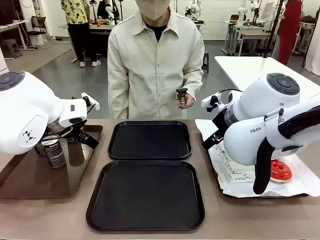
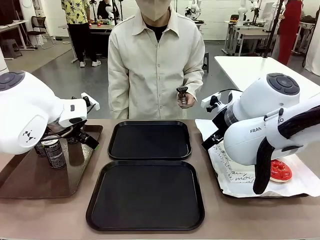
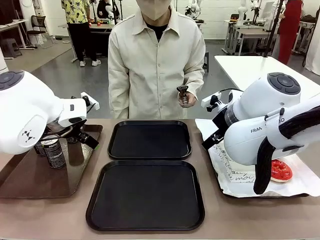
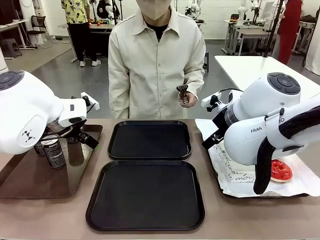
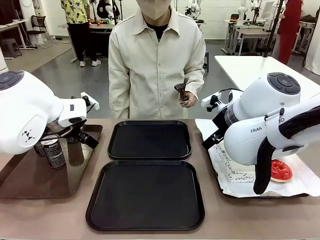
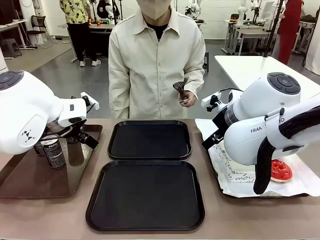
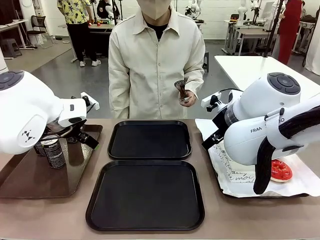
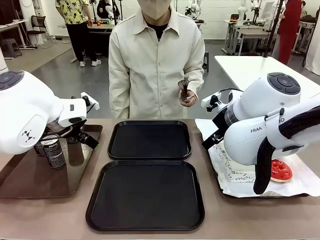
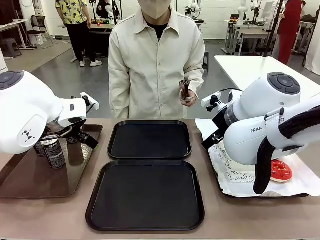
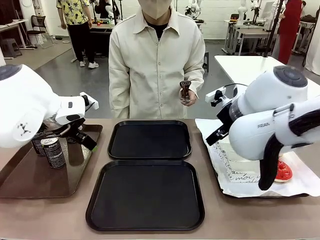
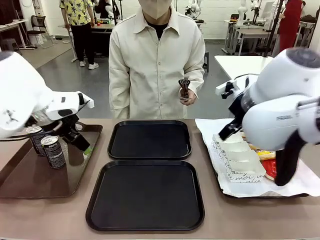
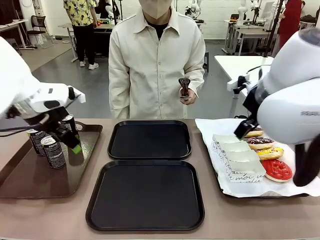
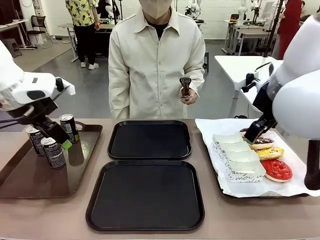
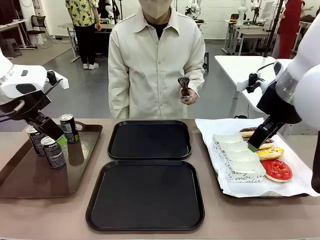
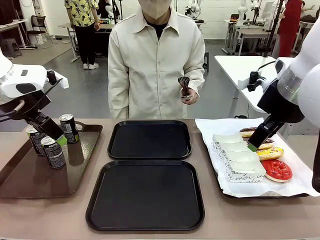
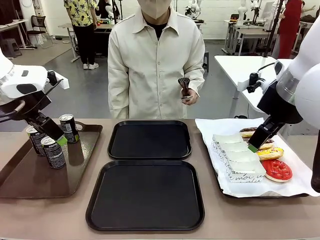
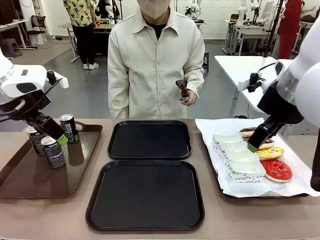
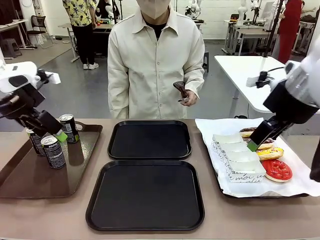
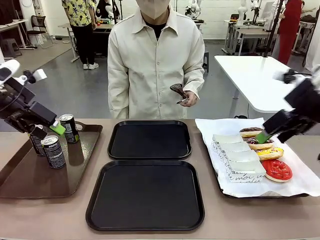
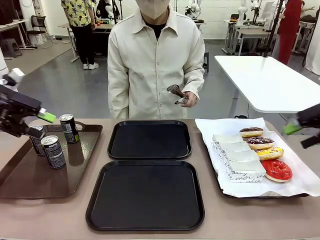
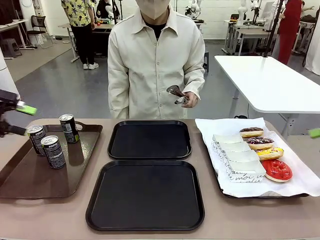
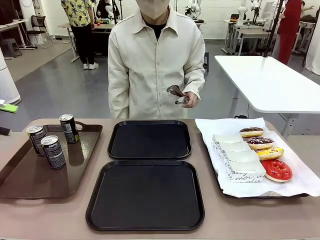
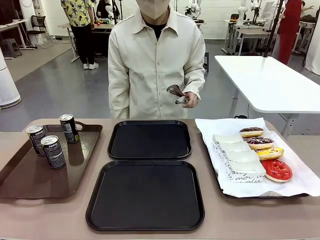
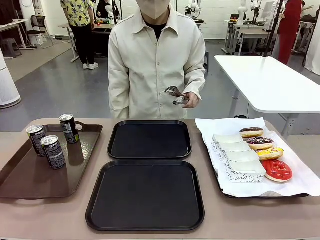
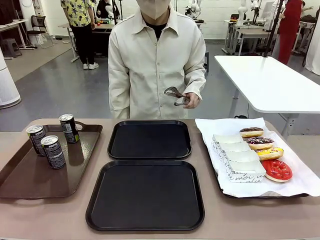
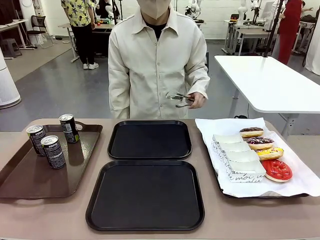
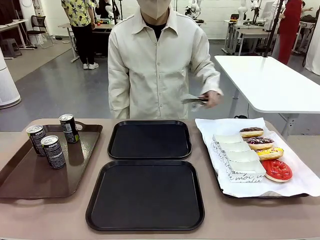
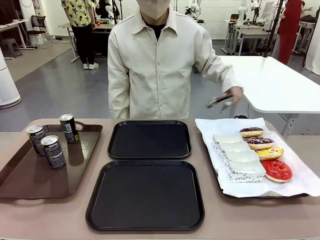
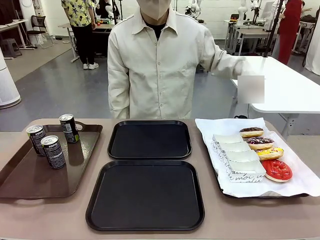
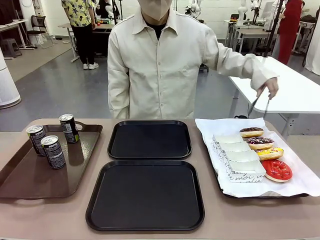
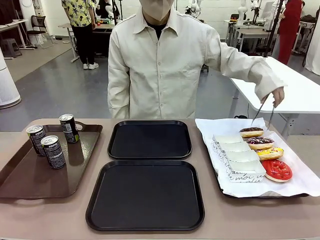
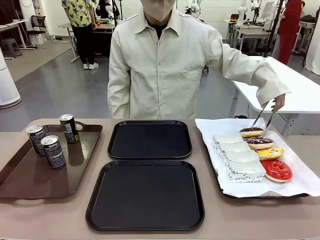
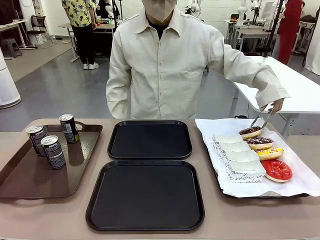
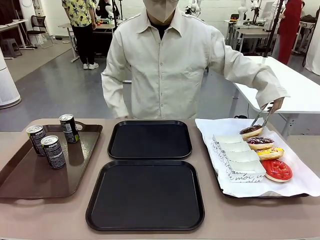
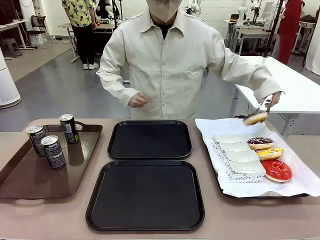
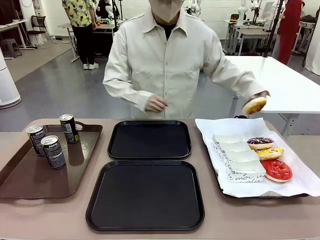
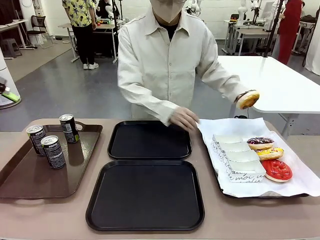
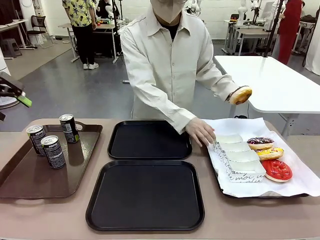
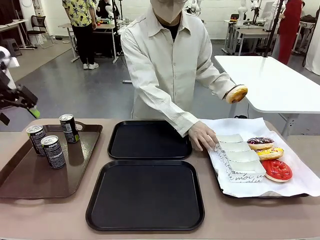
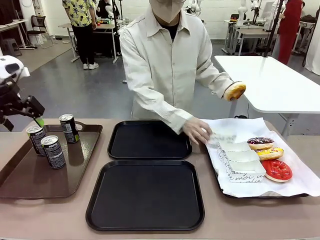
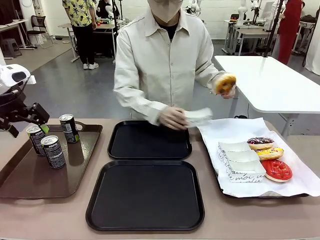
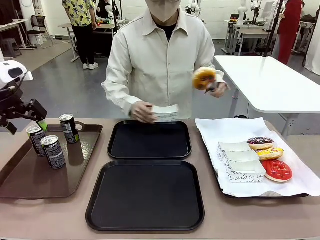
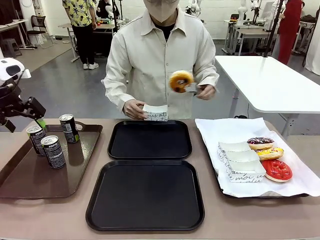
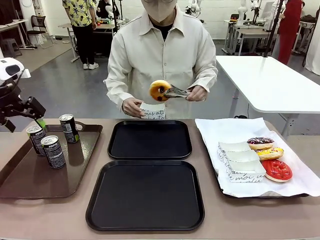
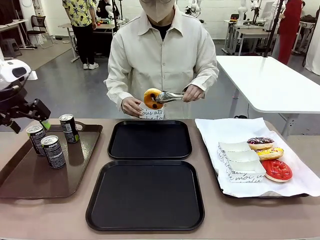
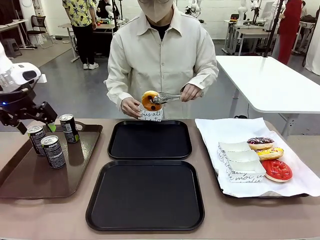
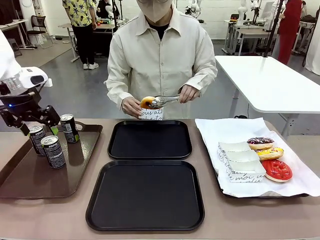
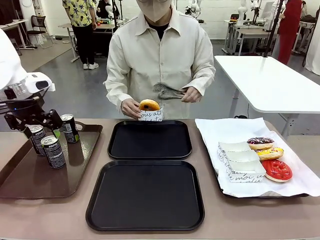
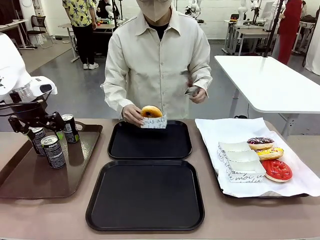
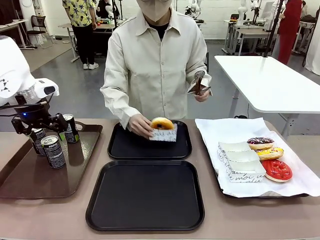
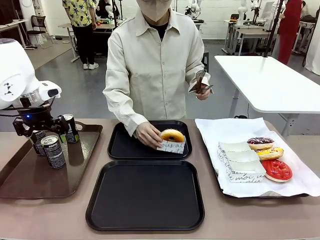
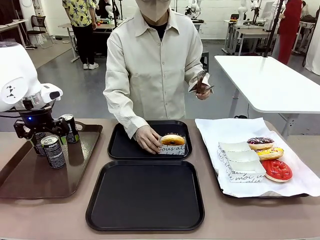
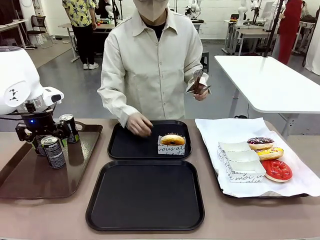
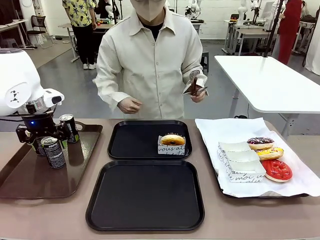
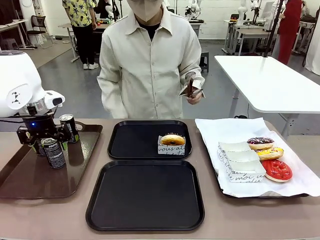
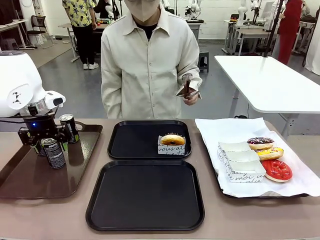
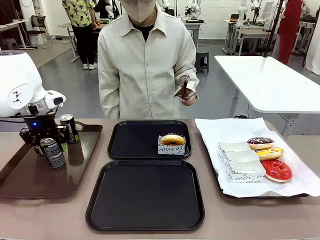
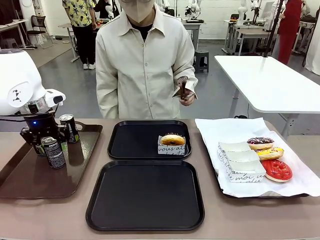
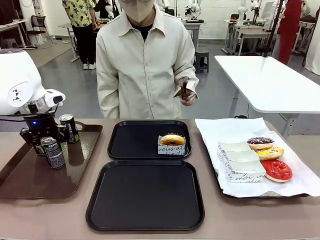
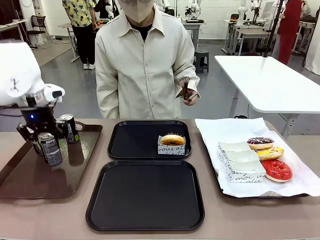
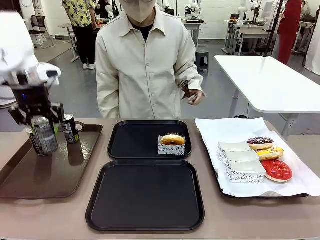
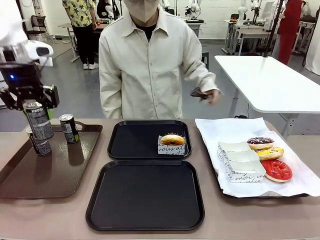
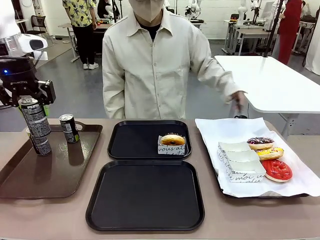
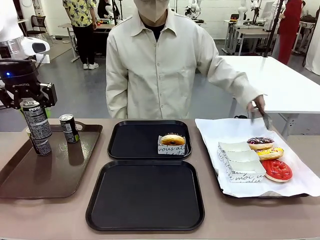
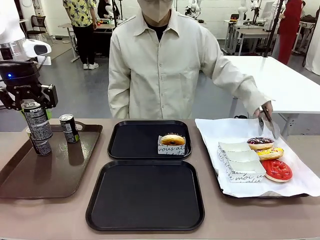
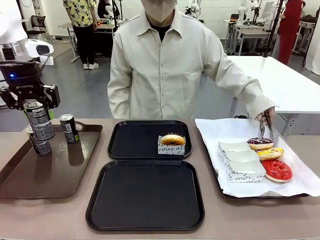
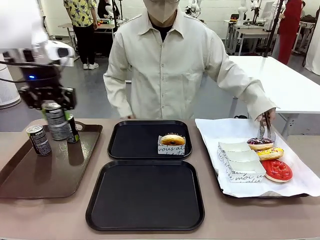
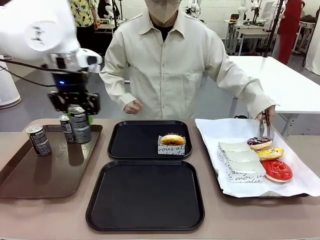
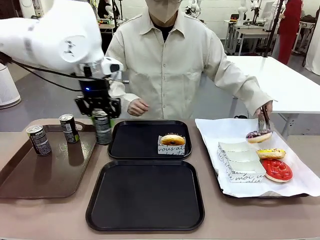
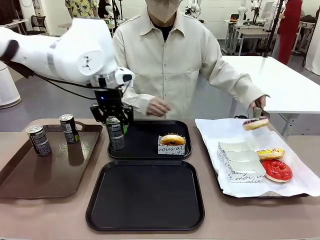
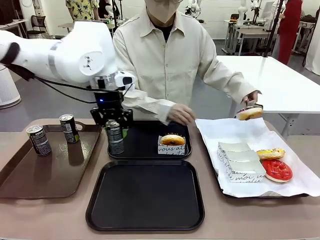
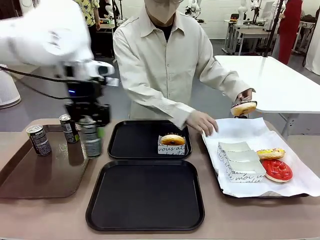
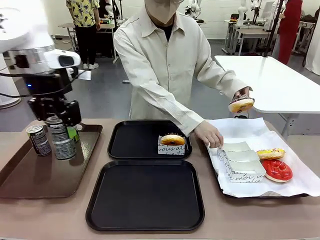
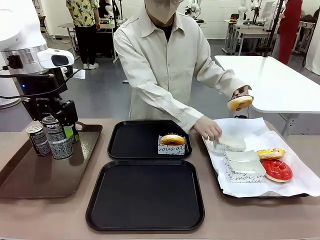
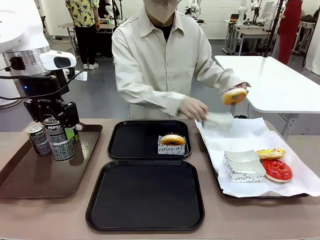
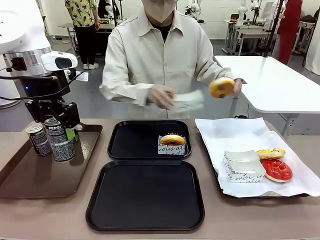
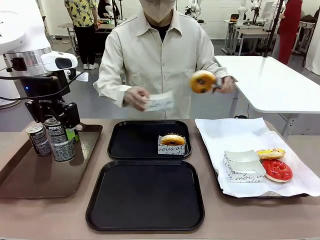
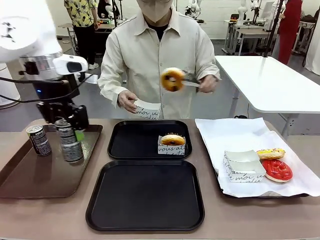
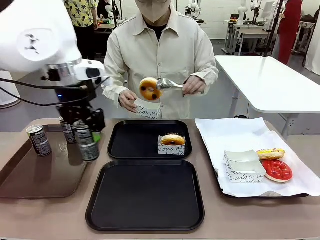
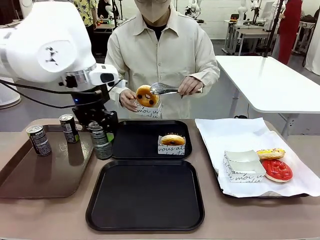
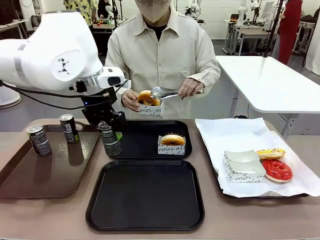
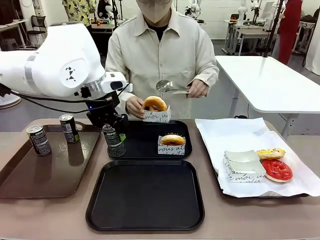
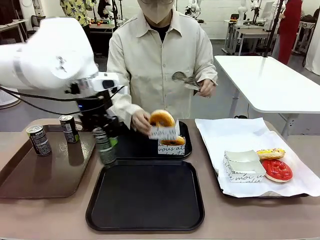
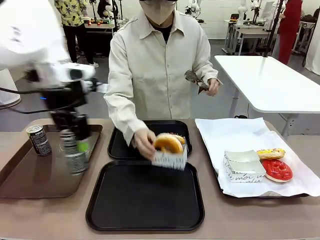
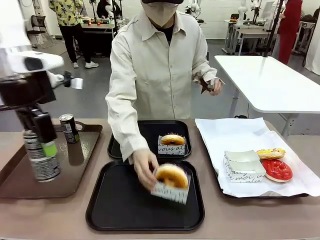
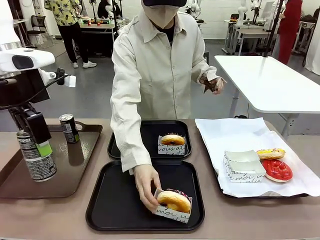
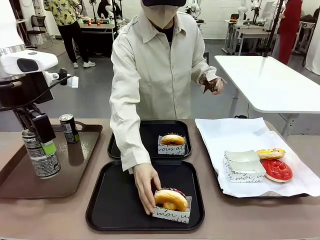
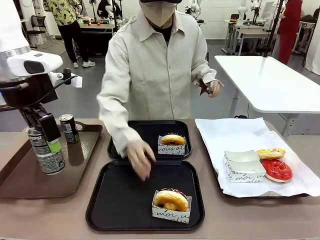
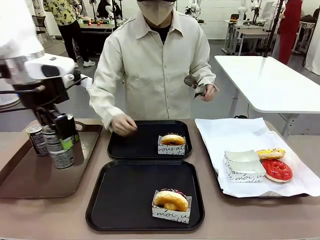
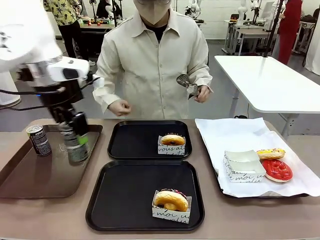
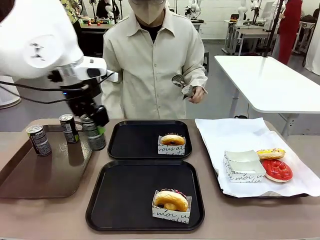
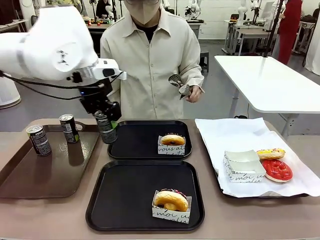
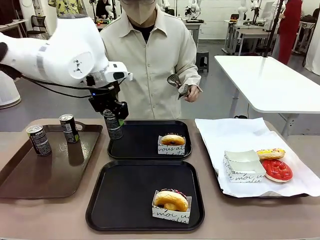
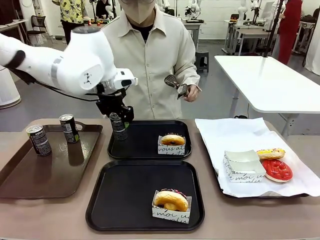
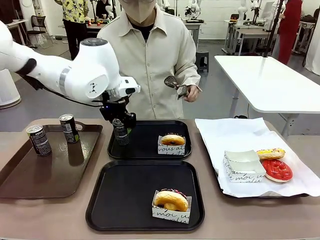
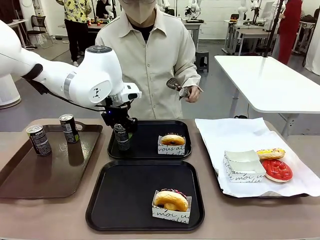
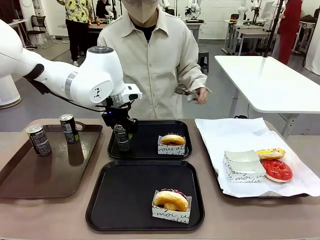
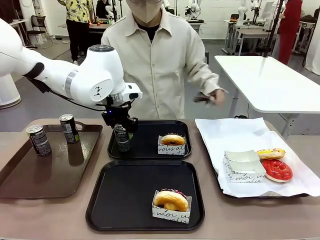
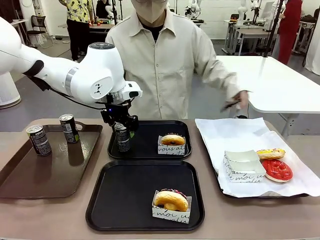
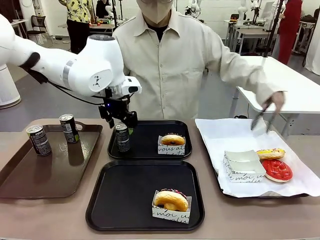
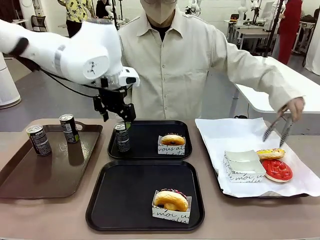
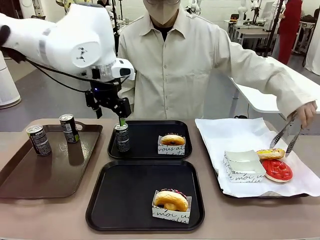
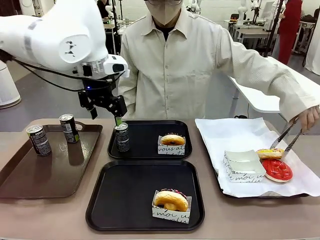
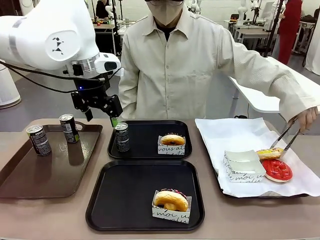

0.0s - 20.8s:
Task: Set up donuts and drinks on trays.
Robot: Pick up one Pepsi coke and place it on the Flat Tray.
Person: Pick up one donut with tongs, place it in the donut tray, and then place the donut tray on the flat tray.
